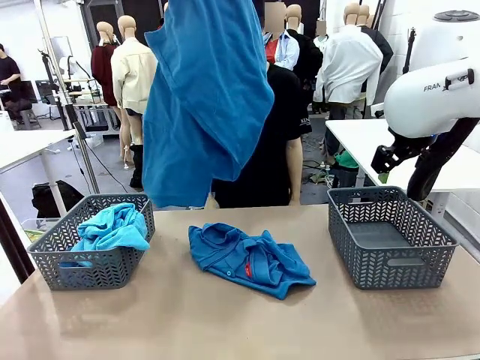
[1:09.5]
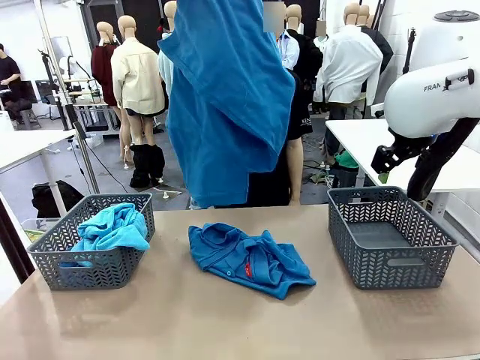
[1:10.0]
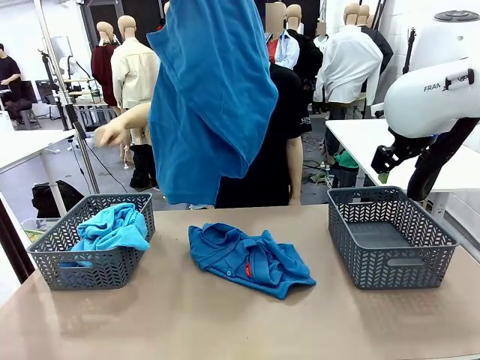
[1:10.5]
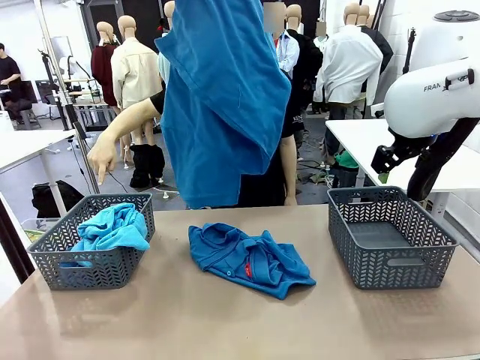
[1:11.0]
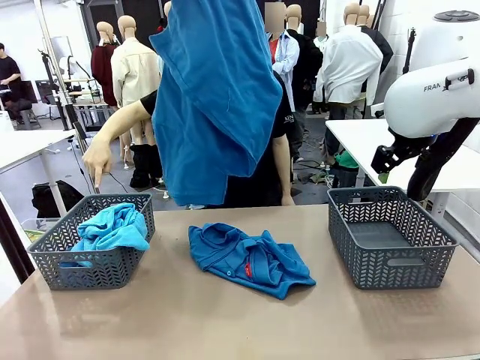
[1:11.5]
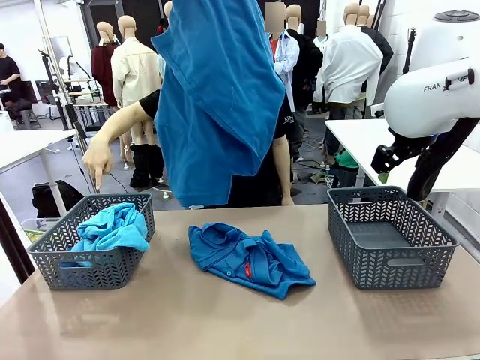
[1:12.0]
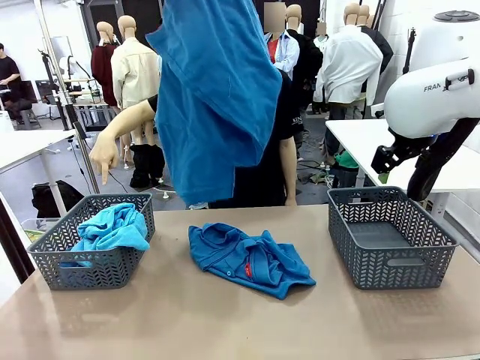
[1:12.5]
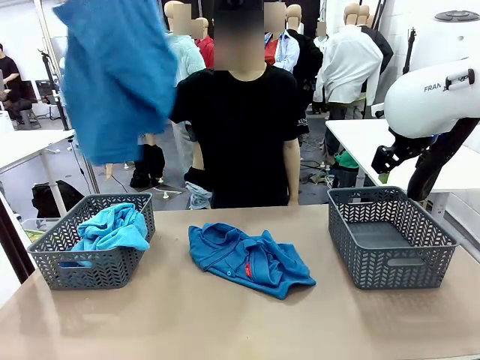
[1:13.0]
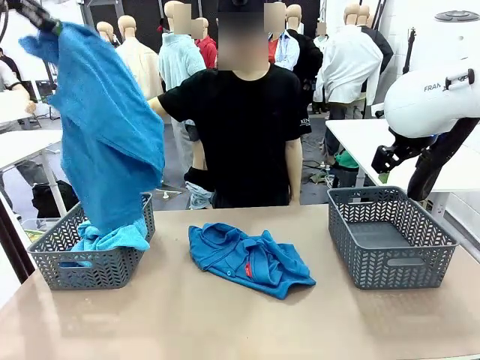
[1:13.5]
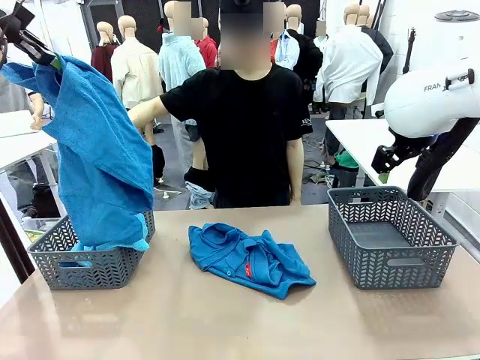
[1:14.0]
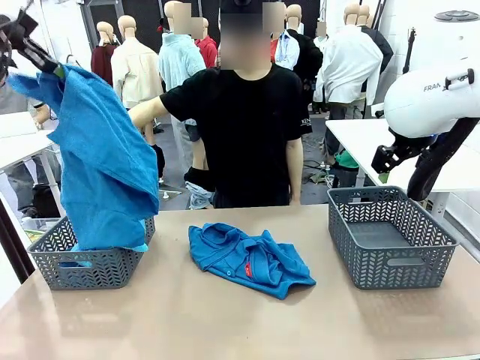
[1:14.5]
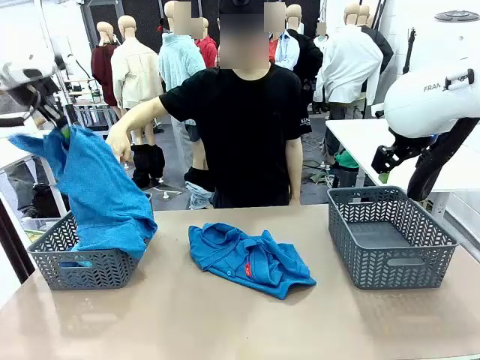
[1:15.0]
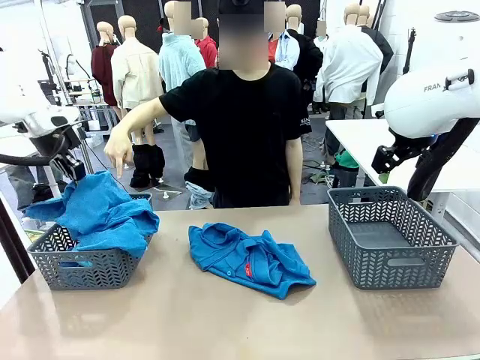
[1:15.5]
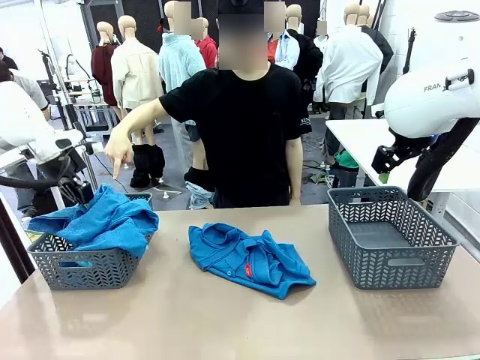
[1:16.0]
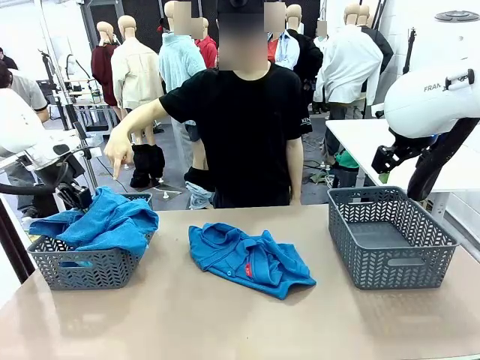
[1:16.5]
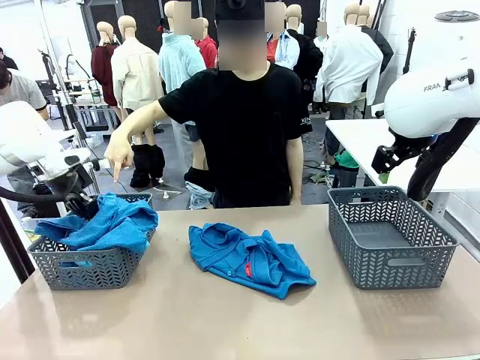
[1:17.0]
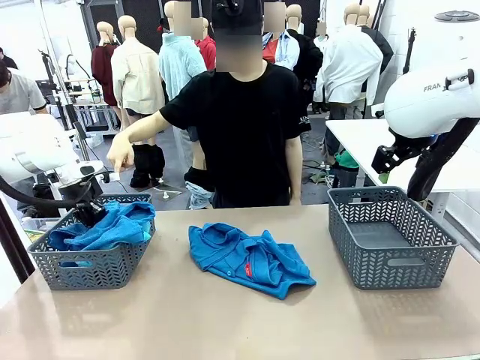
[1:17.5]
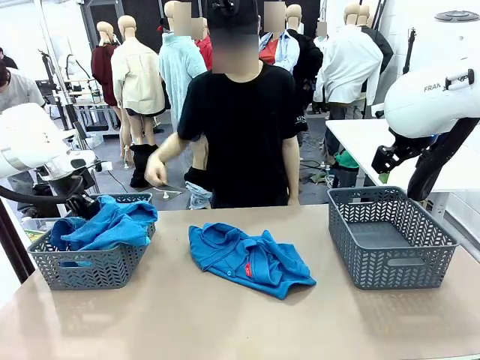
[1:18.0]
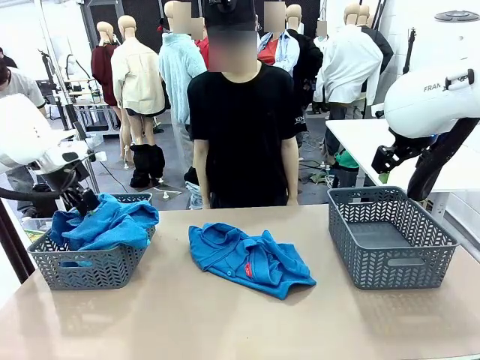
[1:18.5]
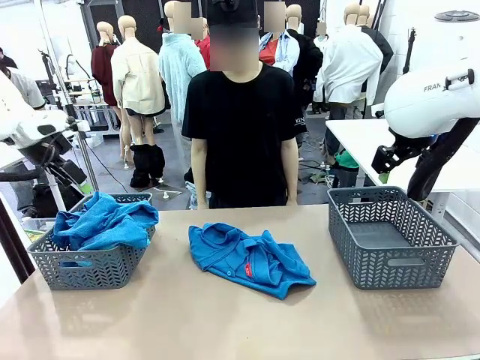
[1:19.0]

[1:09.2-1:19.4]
Task: Sort the tops and bottoms.
Robot: Sort the clothes according to human instructions.

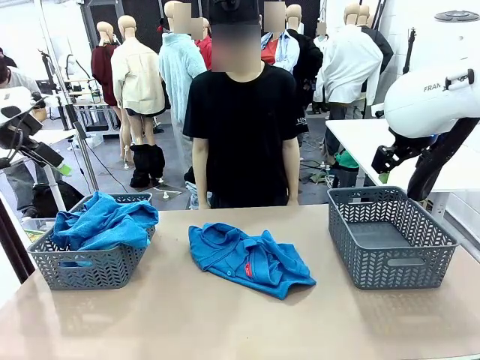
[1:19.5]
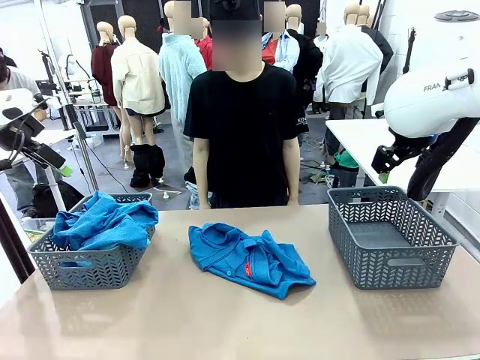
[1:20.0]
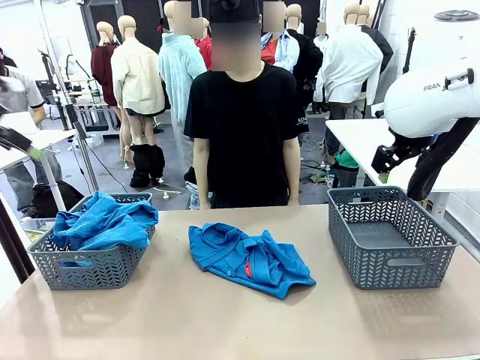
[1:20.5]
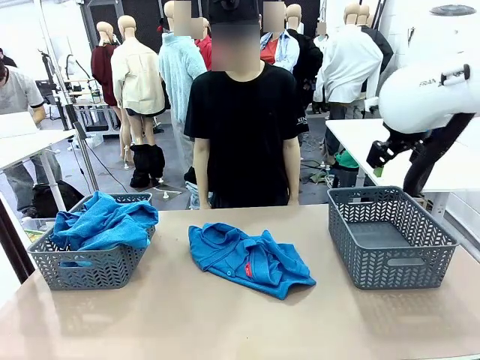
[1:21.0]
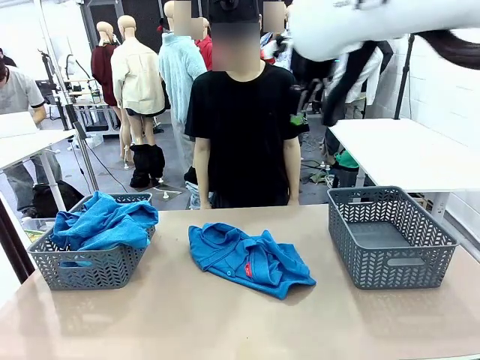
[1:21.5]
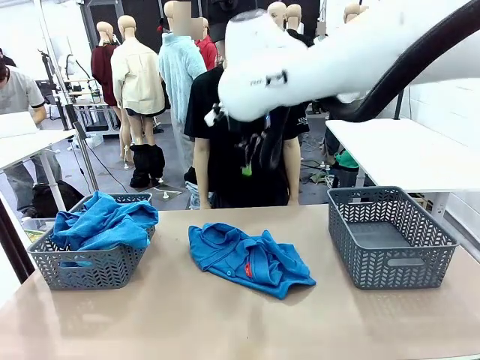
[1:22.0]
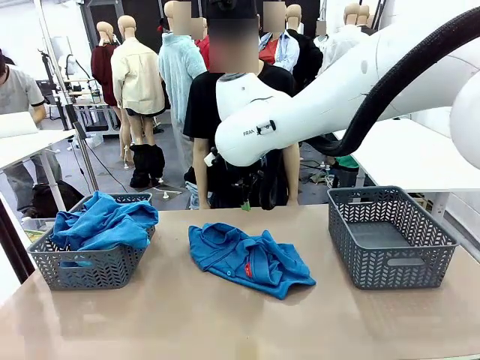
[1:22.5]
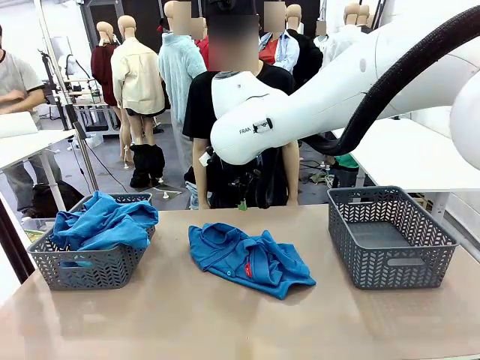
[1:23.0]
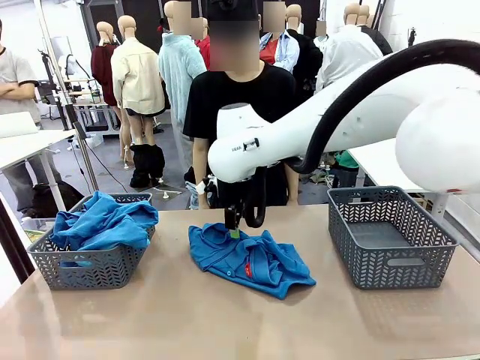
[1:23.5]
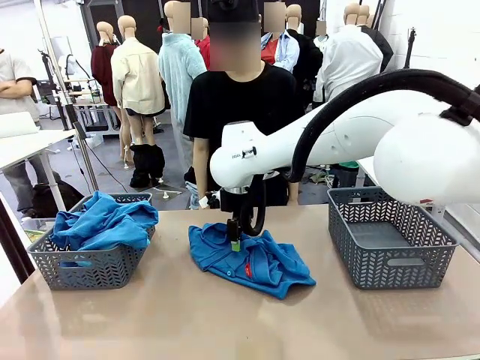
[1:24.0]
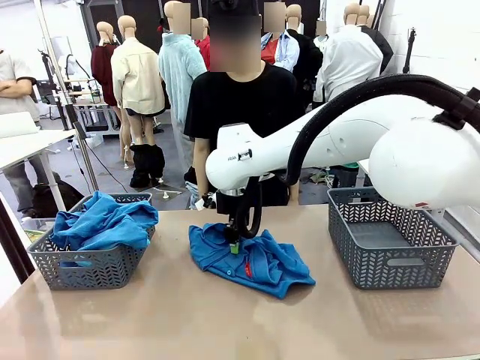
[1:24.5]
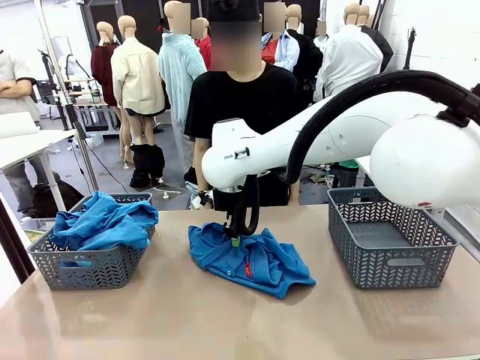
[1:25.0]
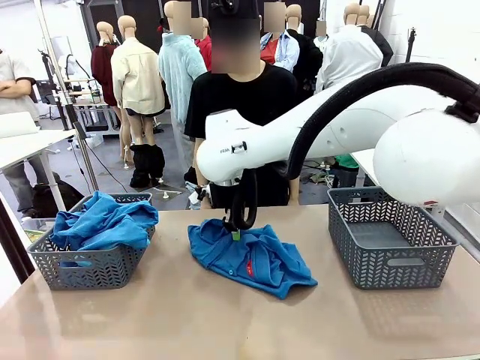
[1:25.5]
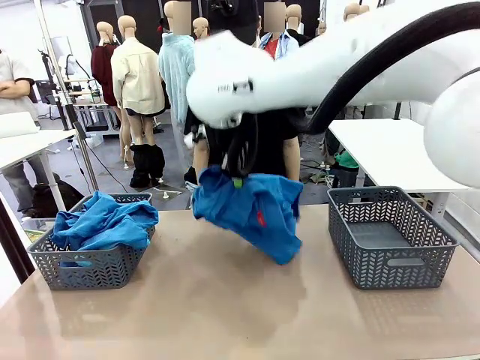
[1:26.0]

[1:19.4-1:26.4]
Robot: Lift clothes from the center of the table with your right hand.

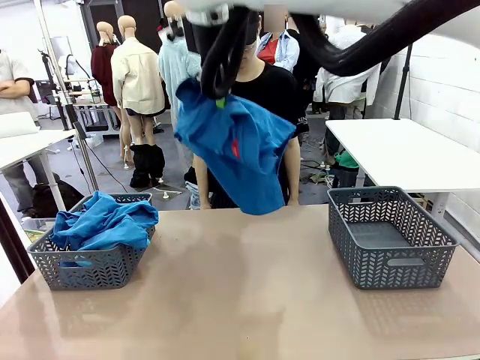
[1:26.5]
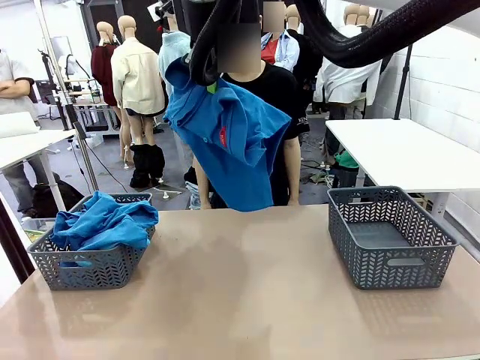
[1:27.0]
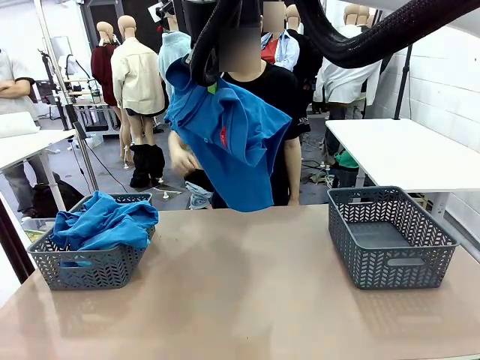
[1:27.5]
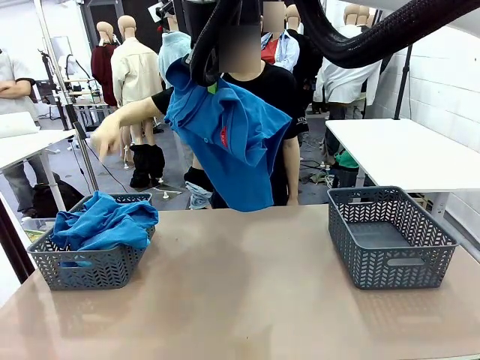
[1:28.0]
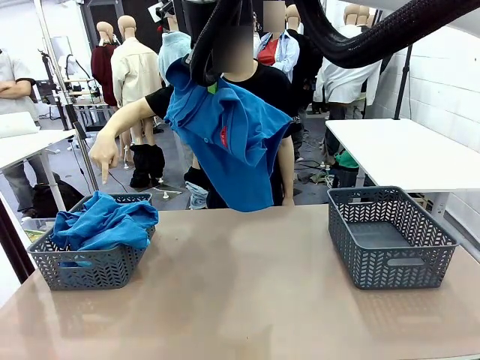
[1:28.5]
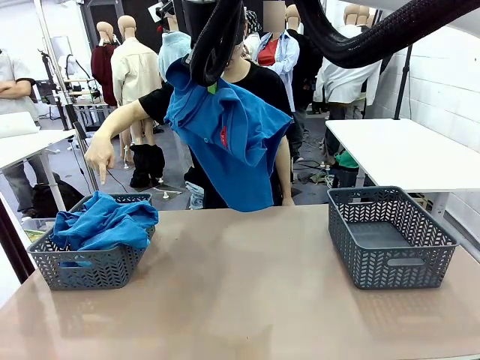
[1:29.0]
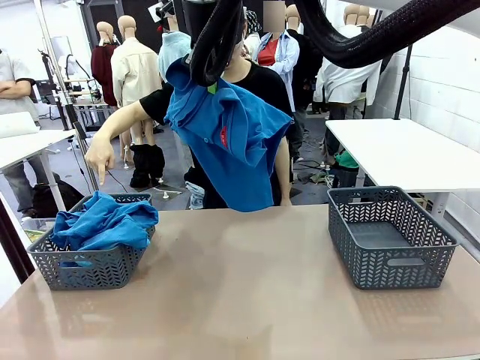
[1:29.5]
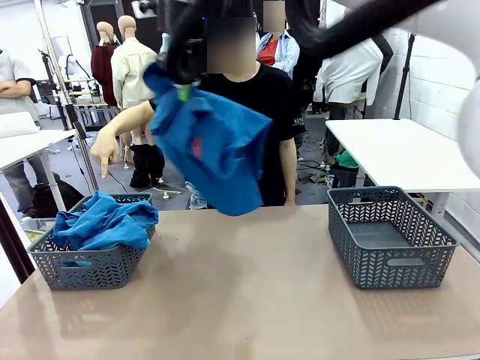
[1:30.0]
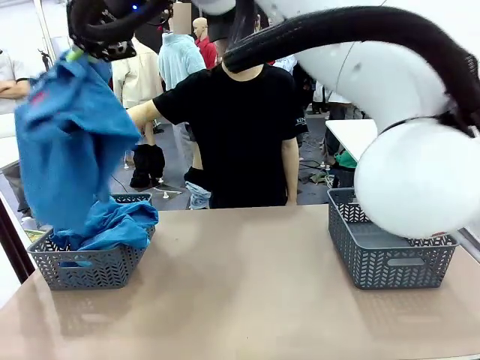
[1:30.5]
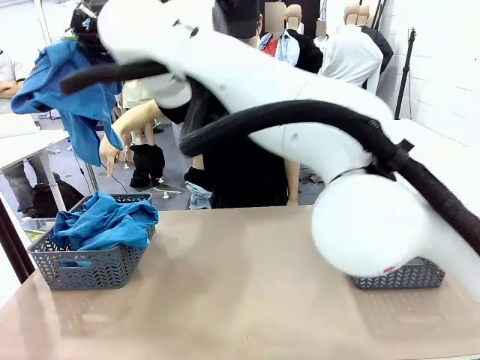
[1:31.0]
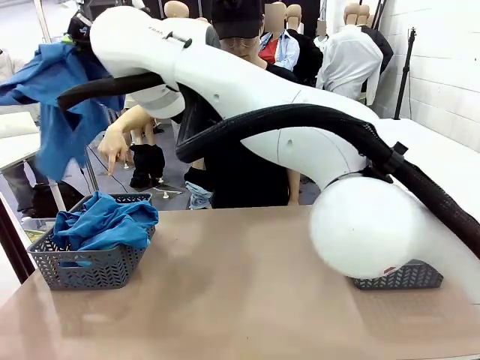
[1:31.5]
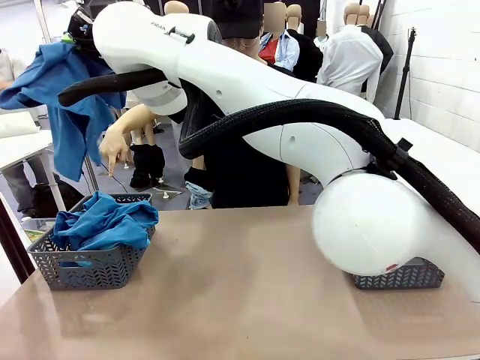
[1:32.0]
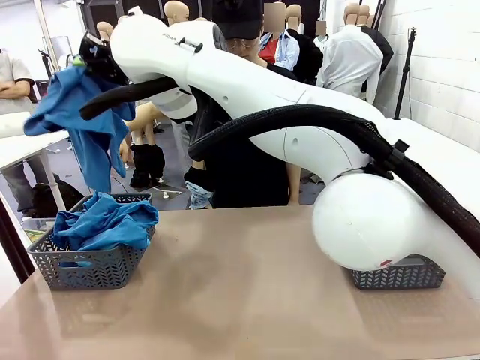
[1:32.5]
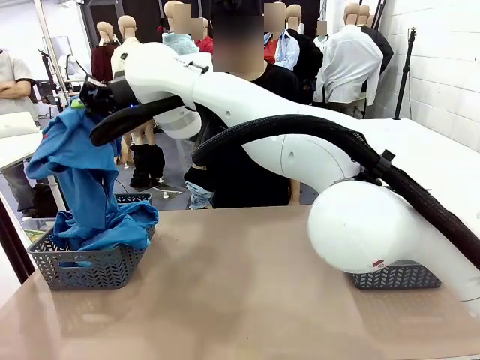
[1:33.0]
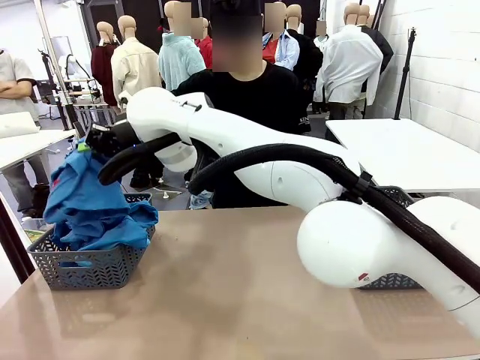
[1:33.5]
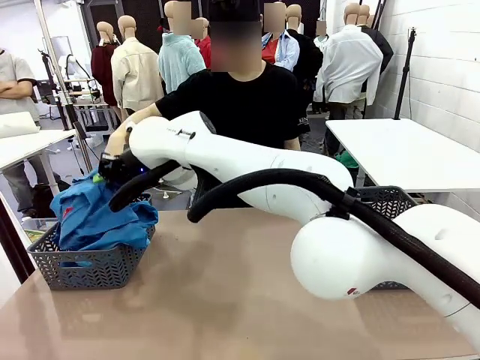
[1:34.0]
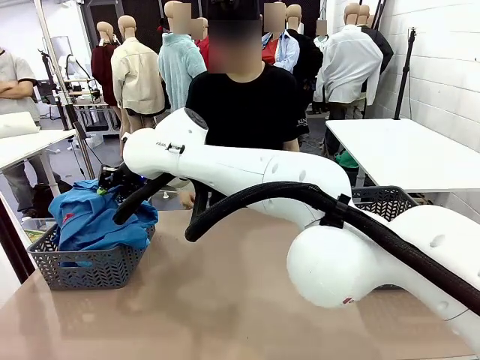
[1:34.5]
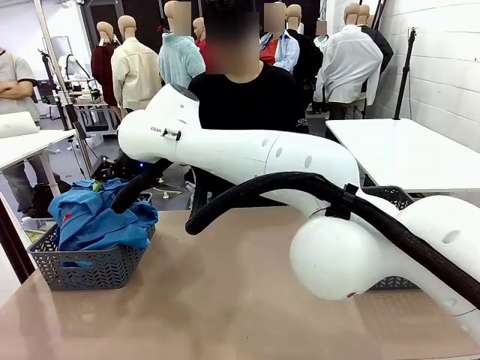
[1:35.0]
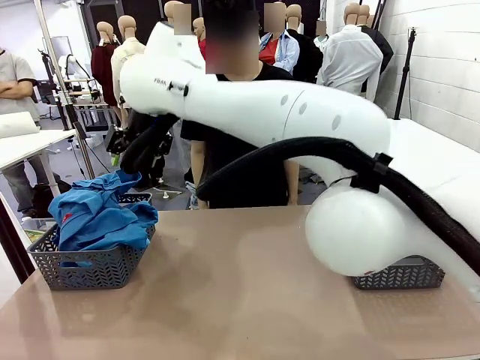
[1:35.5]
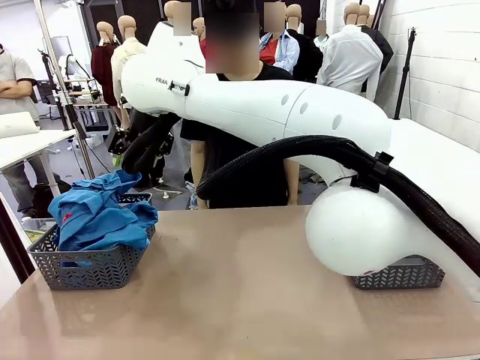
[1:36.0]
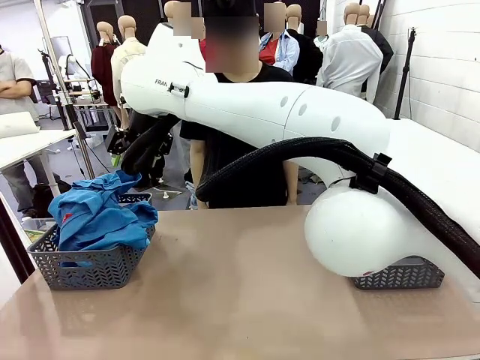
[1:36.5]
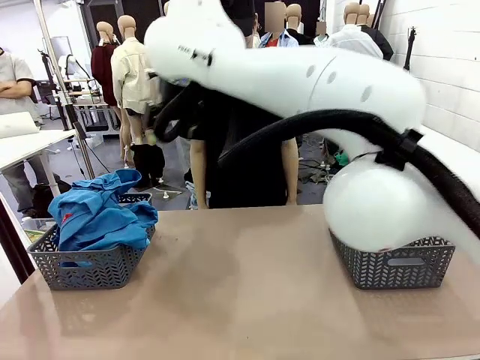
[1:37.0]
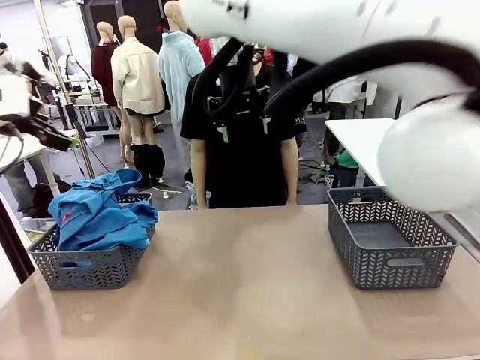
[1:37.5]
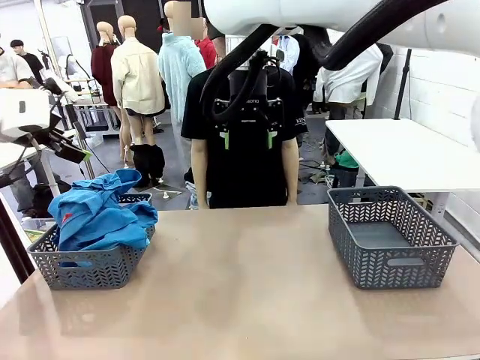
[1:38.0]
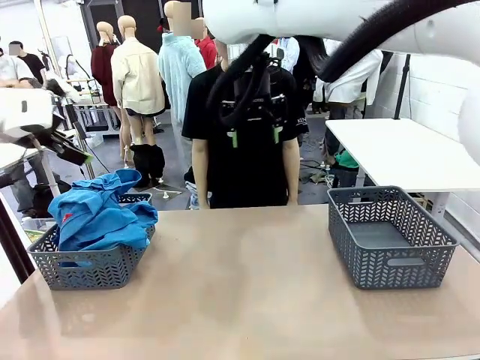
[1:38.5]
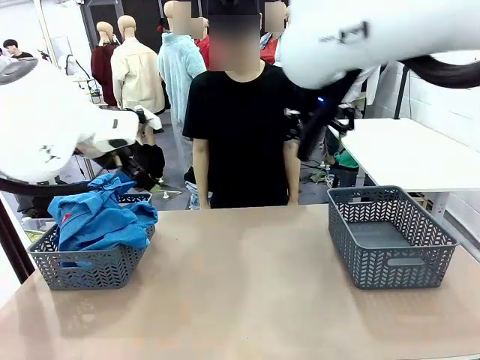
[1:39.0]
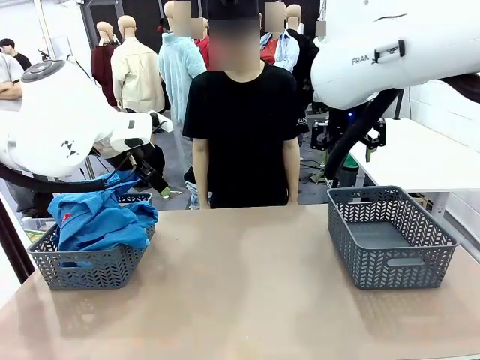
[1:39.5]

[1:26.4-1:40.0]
Robot: Sort the clothes according to human instructions.
